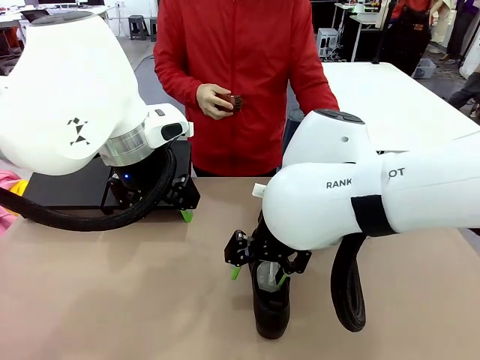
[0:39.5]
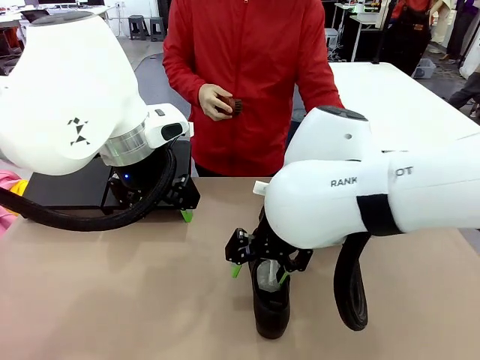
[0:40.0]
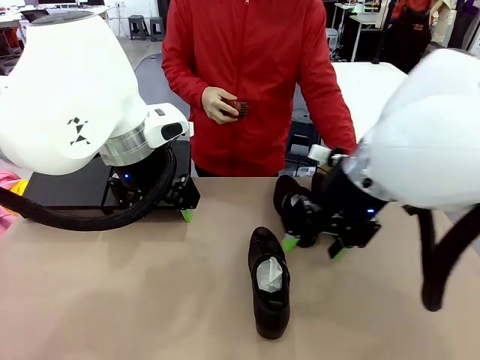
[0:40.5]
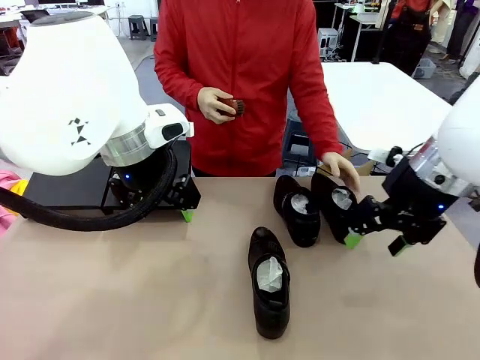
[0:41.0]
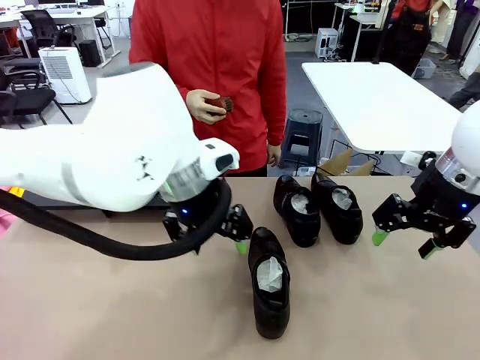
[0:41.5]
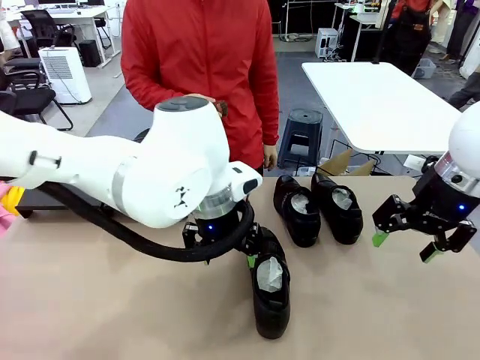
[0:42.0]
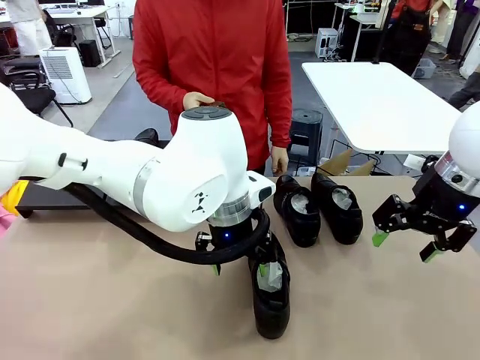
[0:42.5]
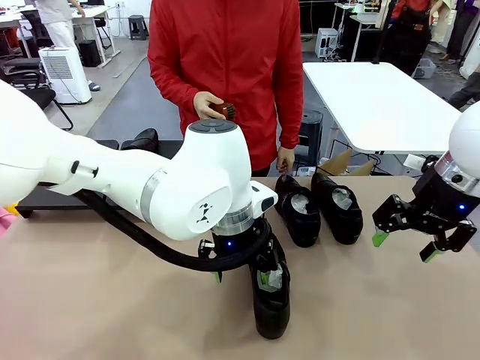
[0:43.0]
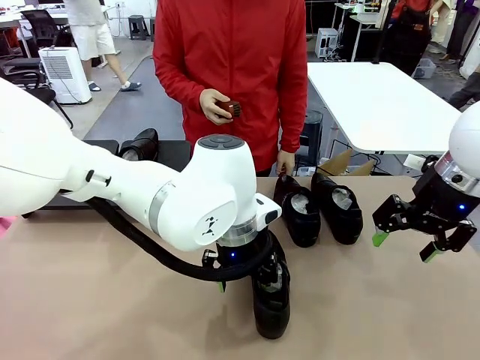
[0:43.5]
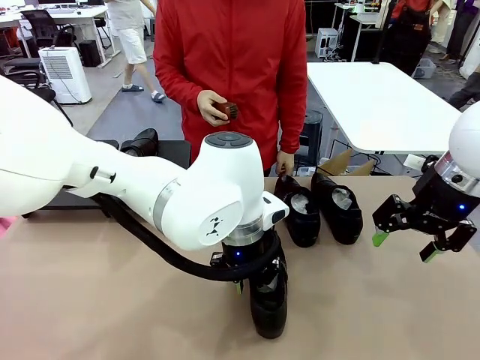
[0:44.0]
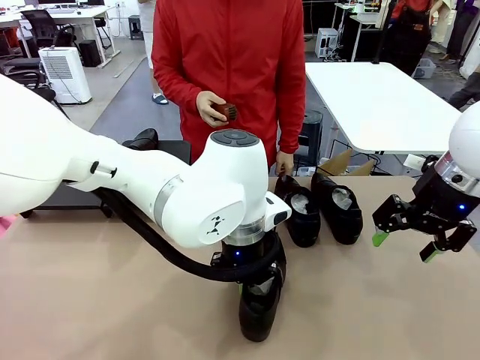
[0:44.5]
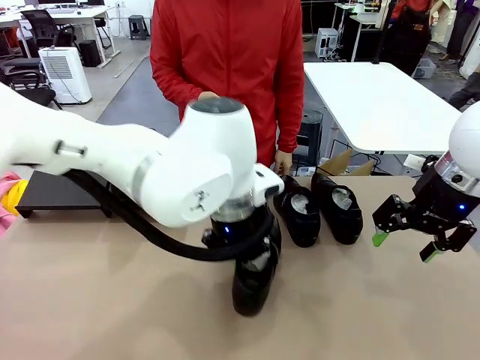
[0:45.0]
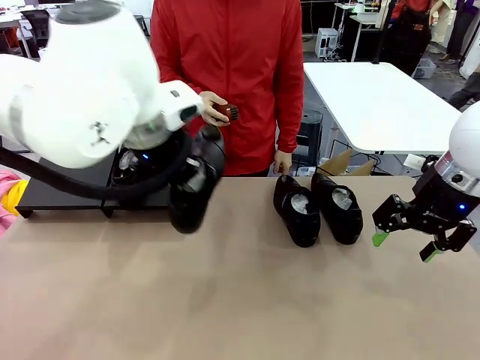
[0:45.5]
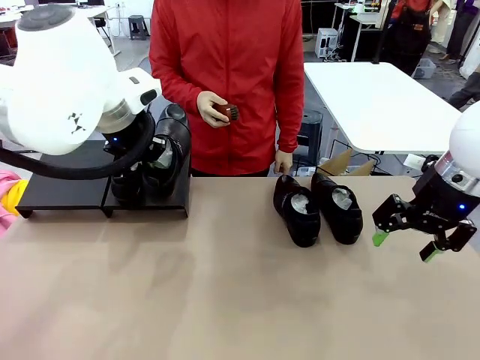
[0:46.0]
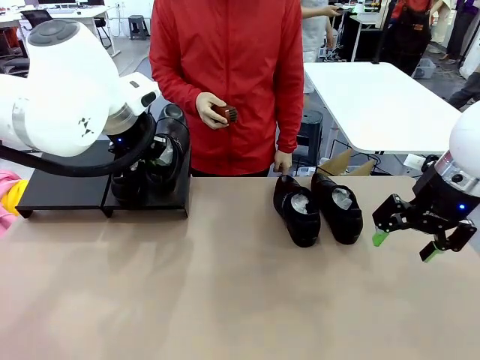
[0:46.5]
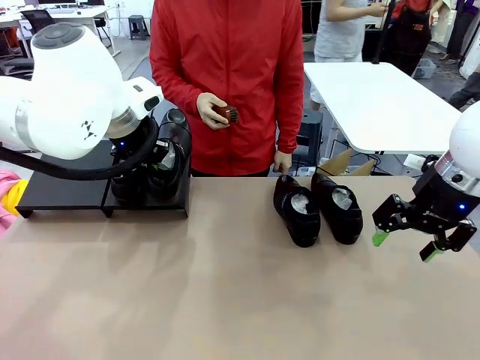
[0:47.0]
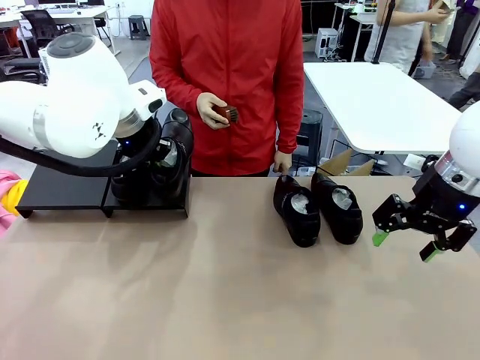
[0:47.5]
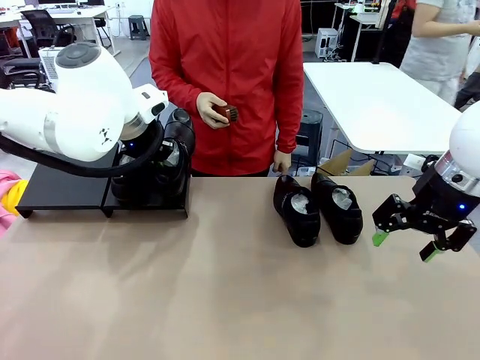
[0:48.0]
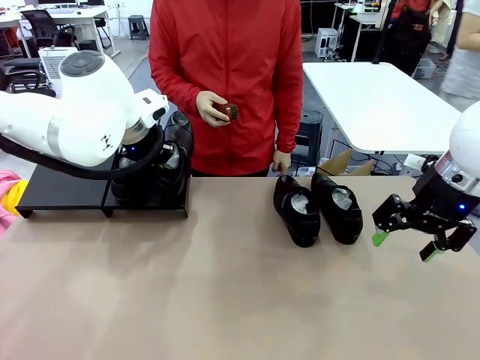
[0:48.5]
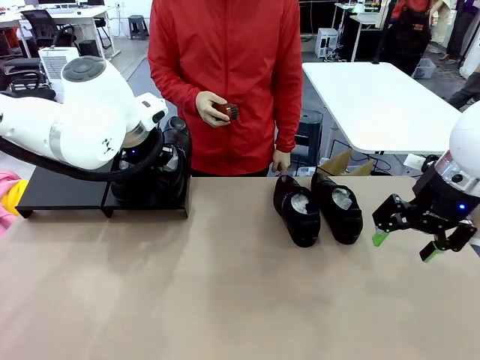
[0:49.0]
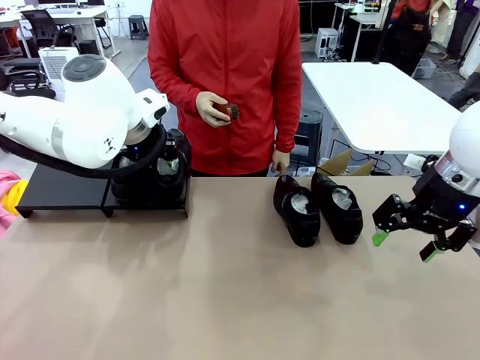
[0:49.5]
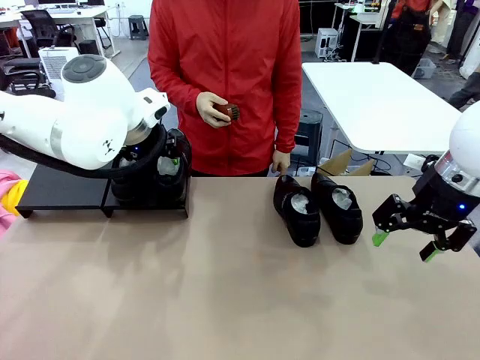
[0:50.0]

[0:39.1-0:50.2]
Task: Organize the shoes by placing them on the stand.
Robot: Place the Shoe from the middle of the table onto the Shoes Stand.

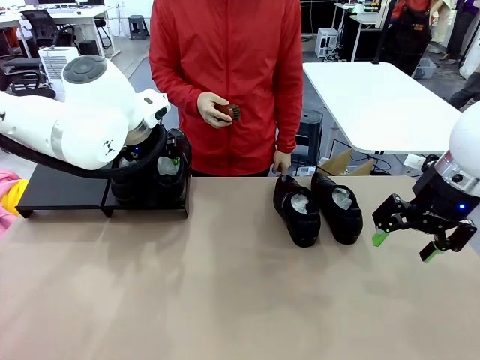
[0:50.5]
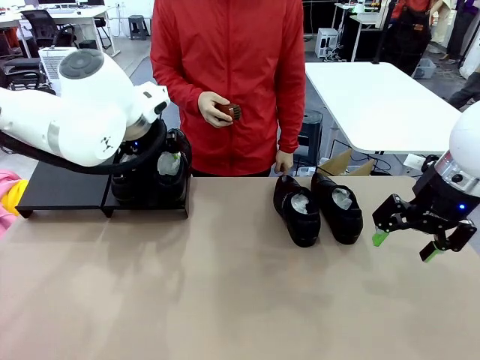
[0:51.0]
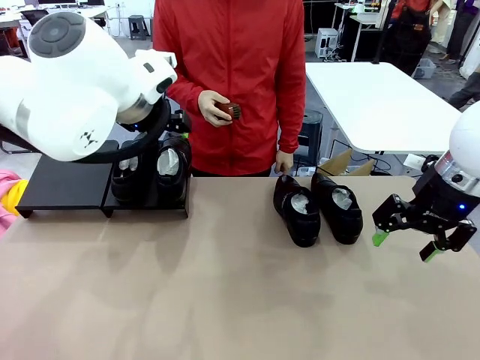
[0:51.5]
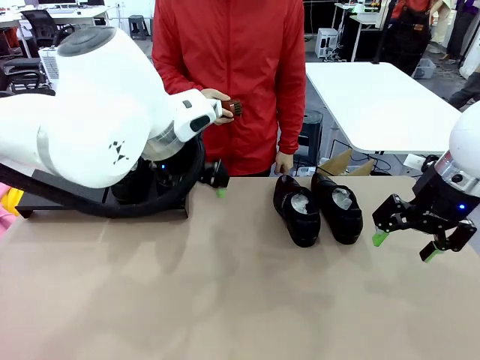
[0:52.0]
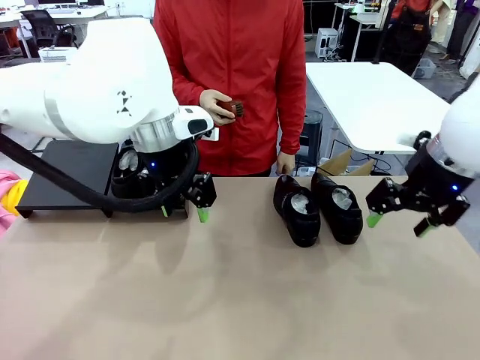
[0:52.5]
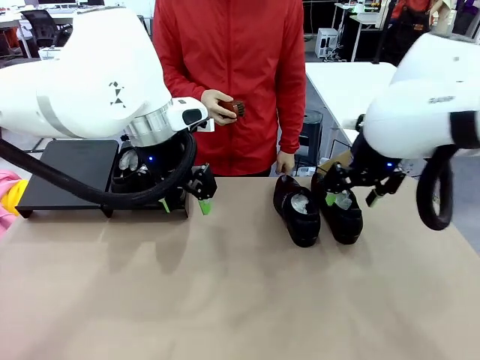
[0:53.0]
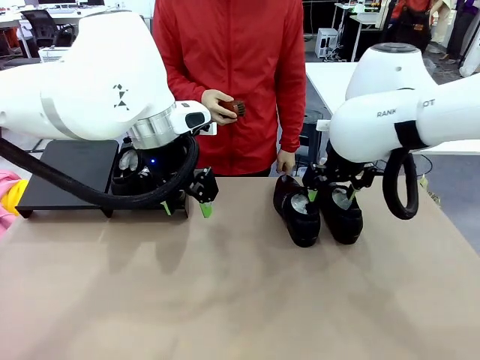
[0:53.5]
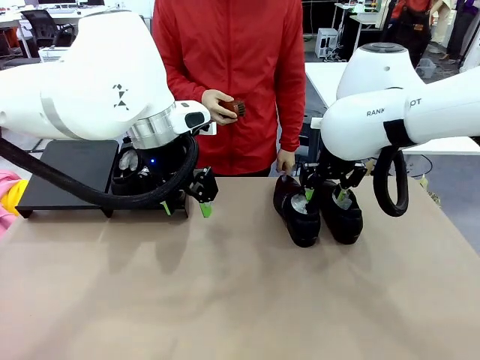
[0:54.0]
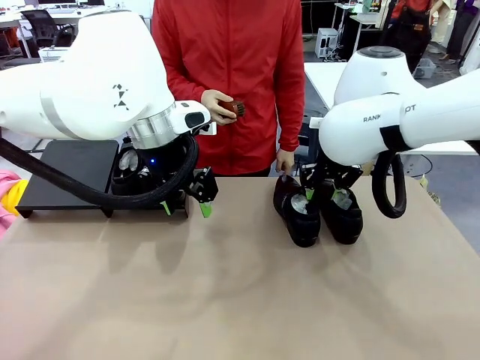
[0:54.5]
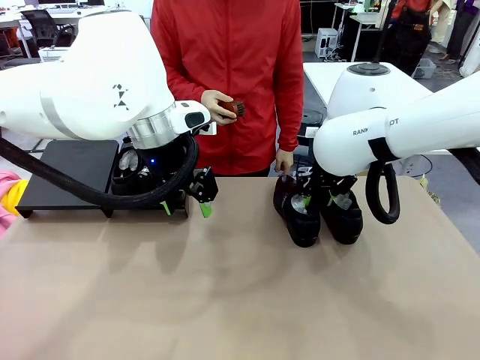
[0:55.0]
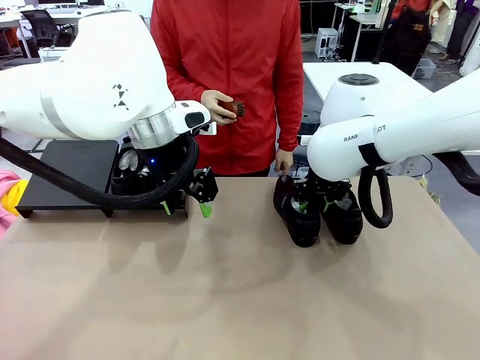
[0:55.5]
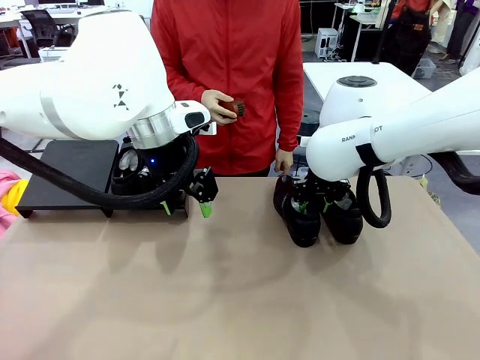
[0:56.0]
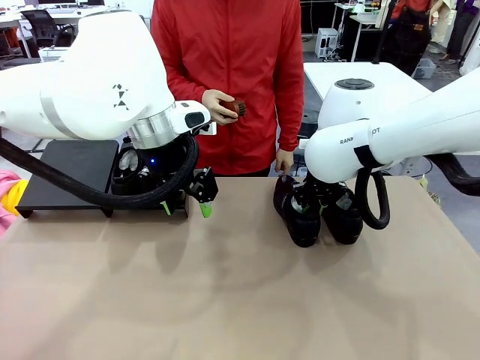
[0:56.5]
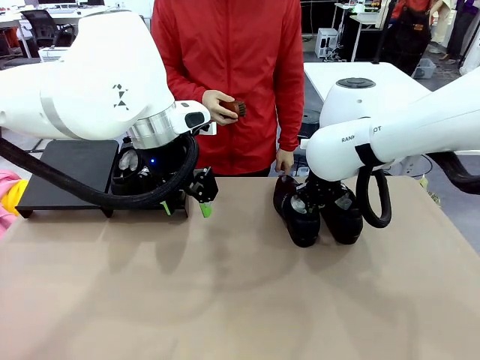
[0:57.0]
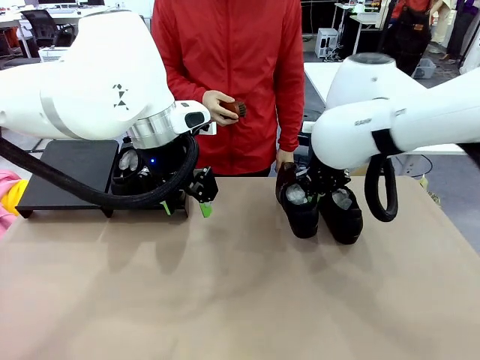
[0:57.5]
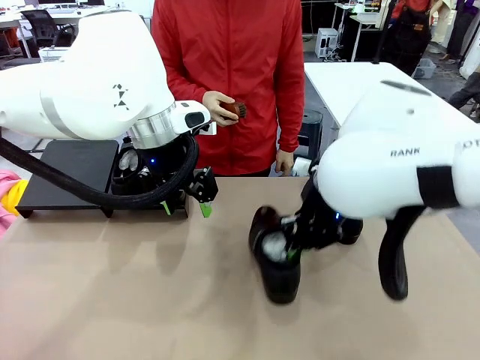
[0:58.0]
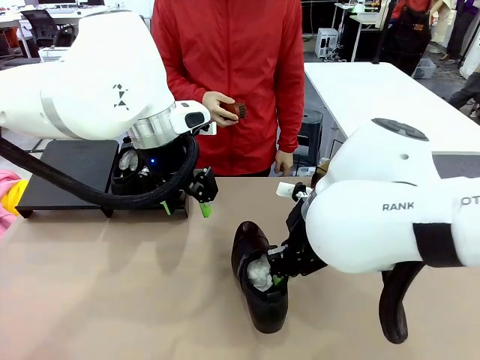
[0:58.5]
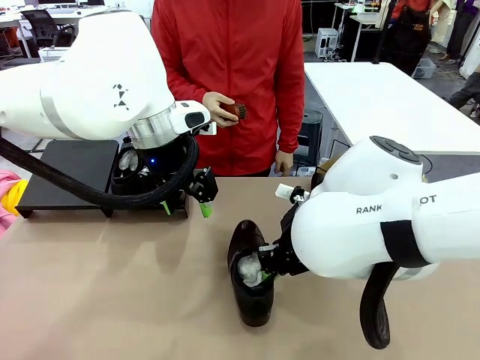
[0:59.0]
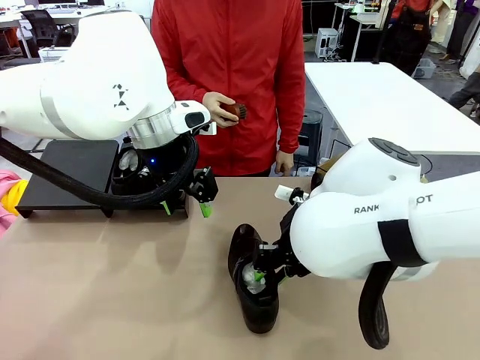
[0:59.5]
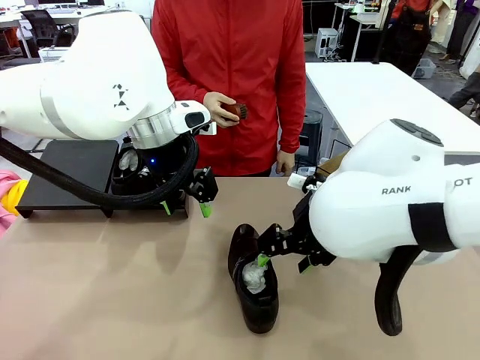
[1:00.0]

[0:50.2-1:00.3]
Robot: Pick up one Shoe and place it in the middle of the table.
